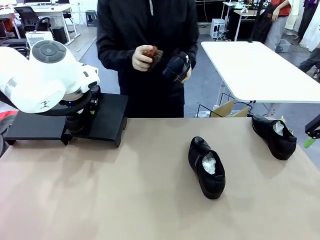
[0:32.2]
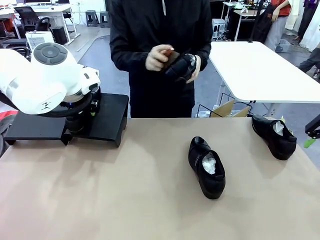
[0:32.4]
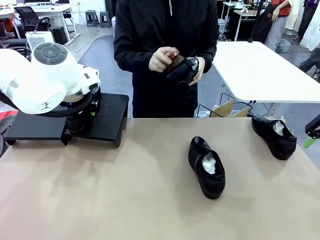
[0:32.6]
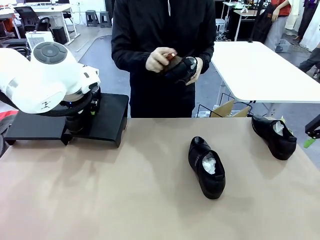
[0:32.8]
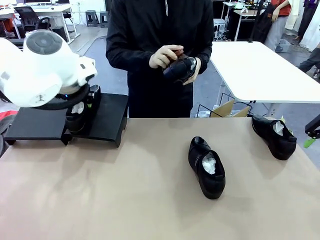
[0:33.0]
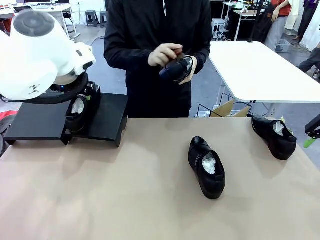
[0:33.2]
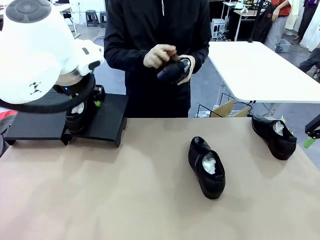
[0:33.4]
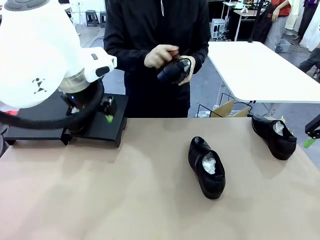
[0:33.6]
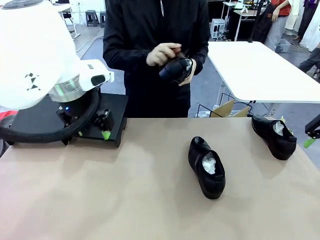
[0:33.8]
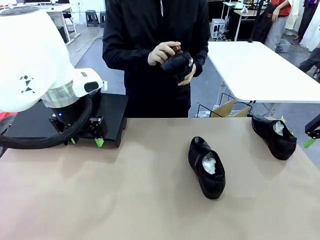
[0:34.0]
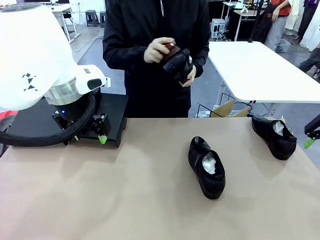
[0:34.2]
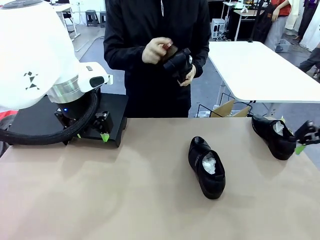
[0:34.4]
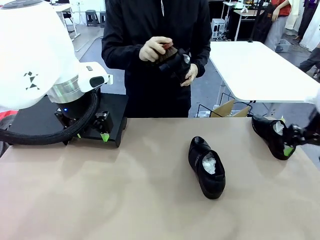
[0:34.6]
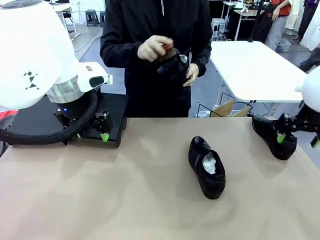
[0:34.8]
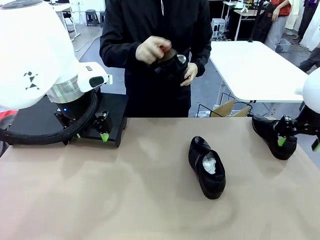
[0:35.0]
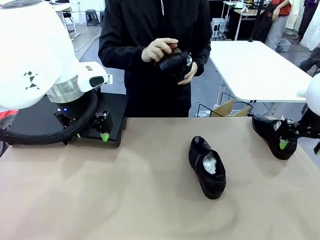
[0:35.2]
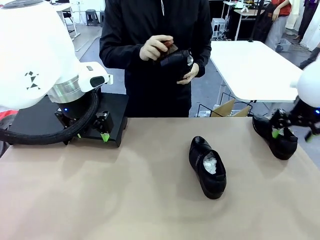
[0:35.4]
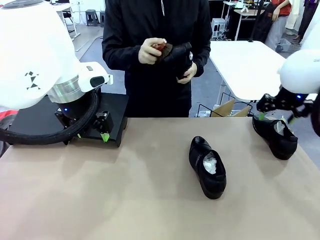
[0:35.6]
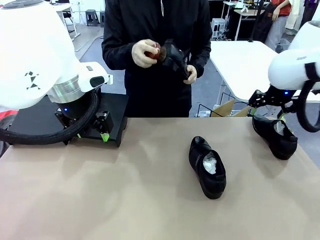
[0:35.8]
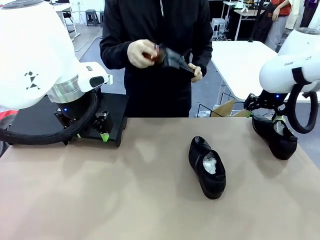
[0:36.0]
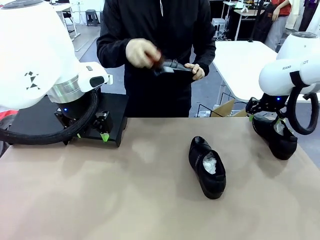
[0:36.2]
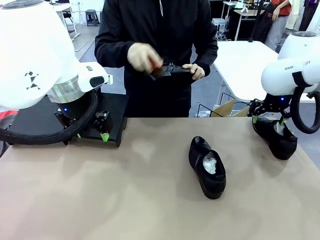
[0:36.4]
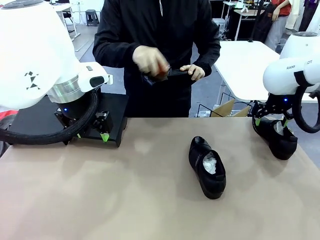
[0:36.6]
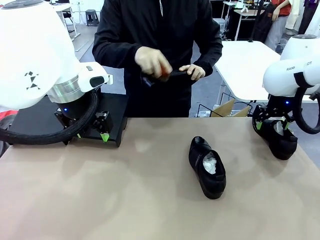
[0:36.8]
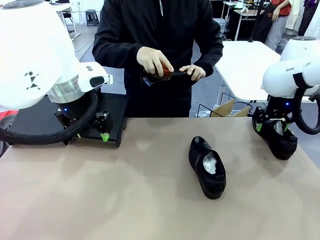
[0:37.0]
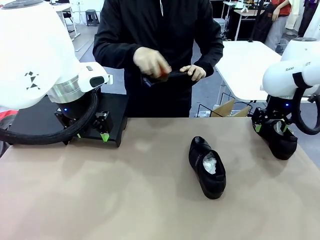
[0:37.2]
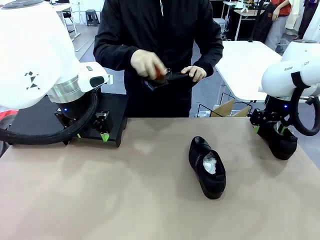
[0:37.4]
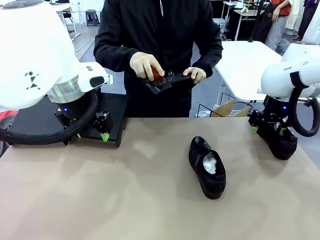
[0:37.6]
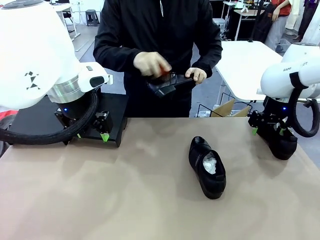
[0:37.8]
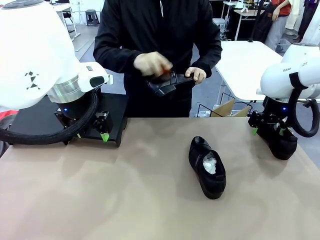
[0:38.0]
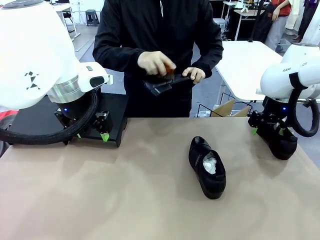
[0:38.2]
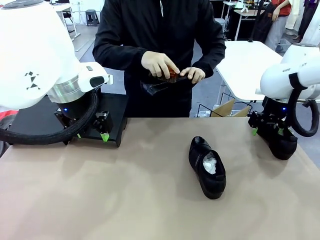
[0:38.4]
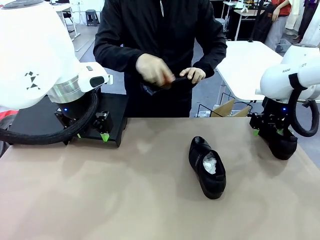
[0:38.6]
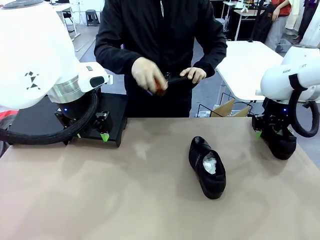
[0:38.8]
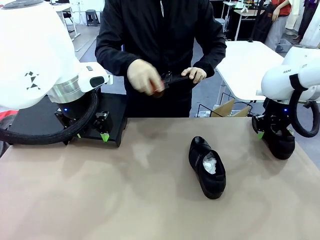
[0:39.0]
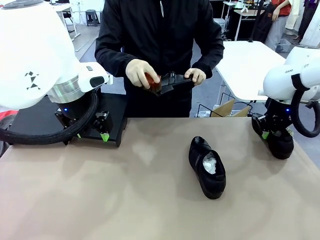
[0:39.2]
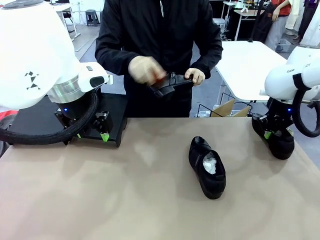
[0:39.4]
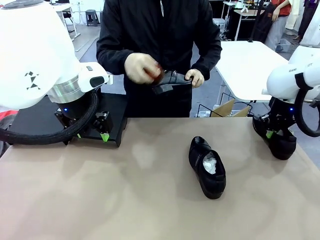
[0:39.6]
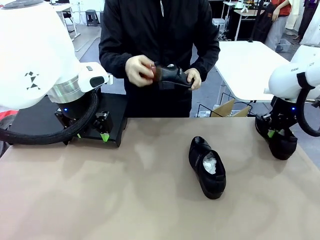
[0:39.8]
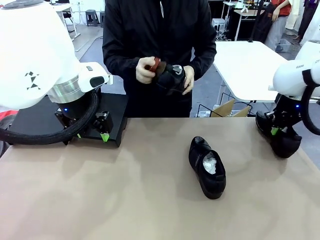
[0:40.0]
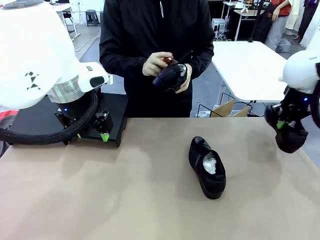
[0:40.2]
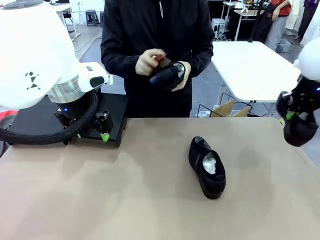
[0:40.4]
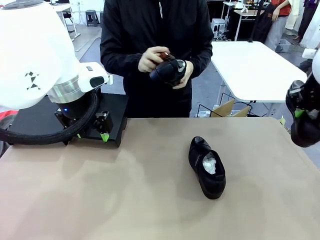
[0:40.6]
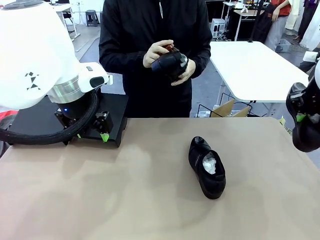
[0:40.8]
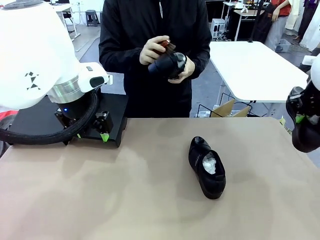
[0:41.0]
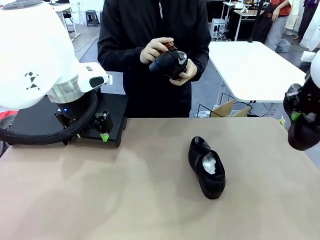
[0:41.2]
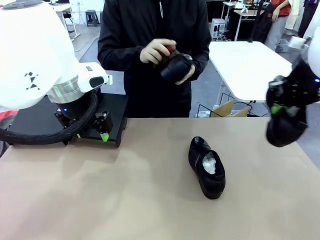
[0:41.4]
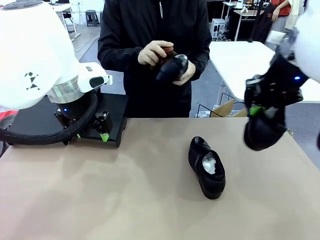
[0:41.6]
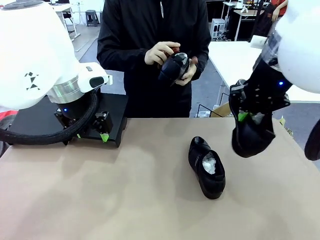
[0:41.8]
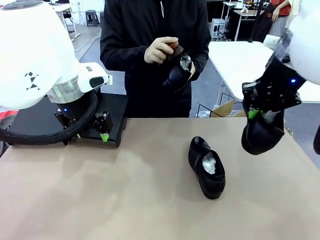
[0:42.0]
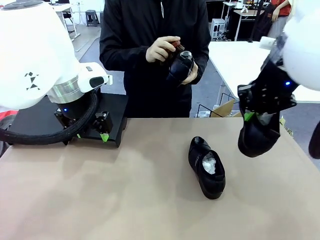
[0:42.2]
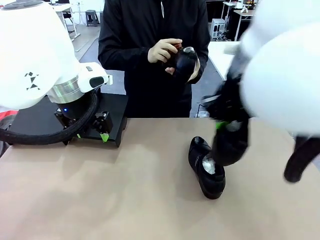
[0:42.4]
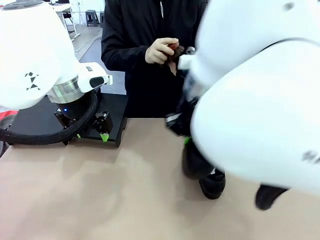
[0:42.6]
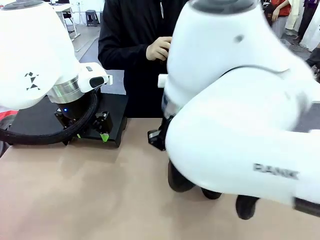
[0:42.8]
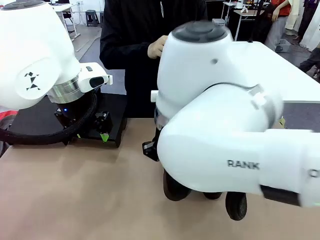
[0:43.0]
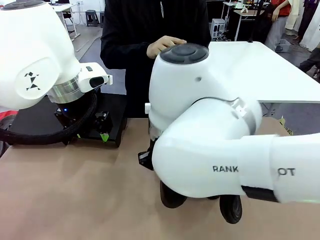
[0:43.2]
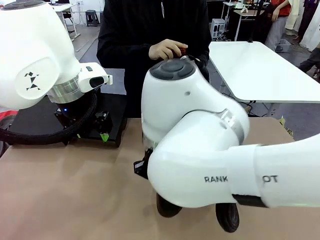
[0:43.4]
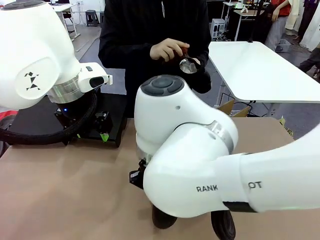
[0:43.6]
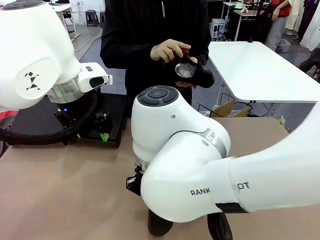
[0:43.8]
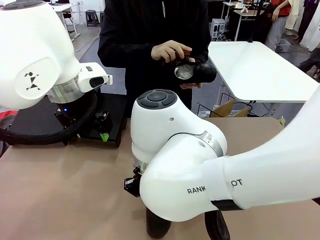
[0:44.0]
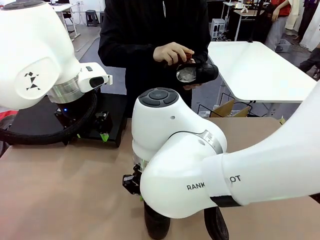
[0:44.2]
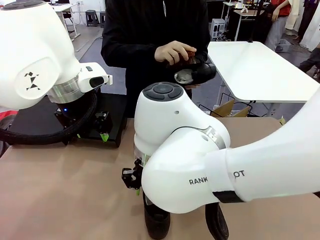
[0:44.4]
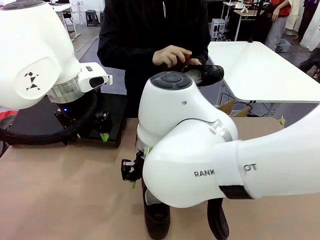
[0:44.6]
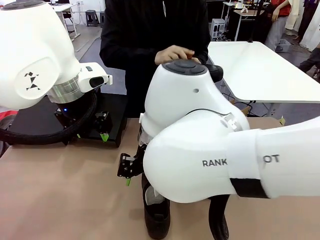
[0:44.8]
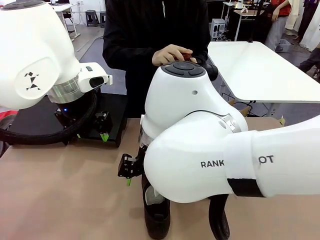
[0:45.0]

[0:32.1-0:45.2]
Task: Organize the shoes by placing them on the stand.
Robot: Pick up one Shoe and place it in the middle of the table.
Person: Clean the Shoe with the Shoe Brush.

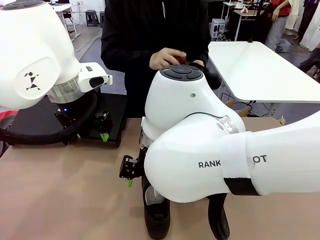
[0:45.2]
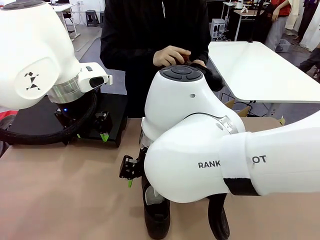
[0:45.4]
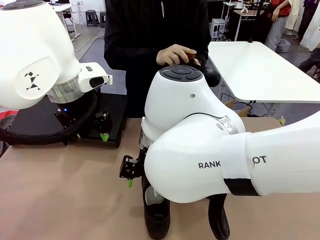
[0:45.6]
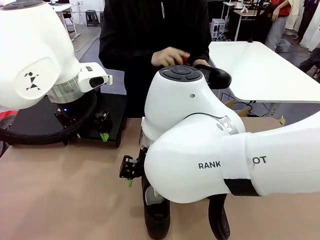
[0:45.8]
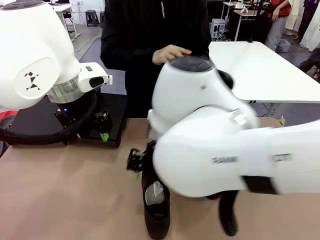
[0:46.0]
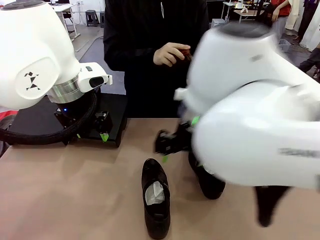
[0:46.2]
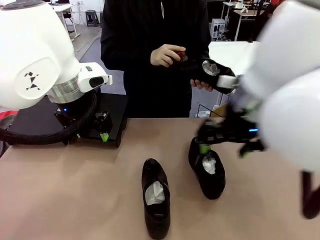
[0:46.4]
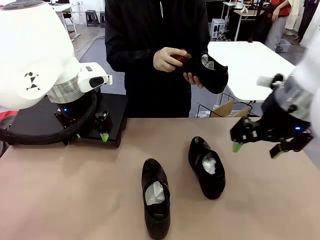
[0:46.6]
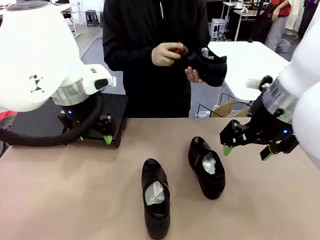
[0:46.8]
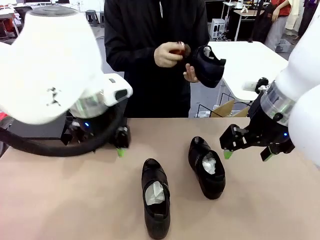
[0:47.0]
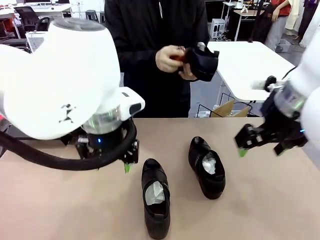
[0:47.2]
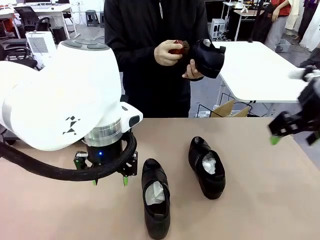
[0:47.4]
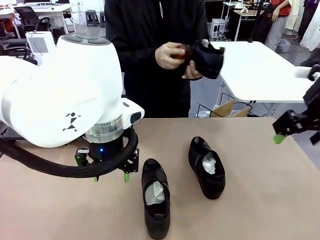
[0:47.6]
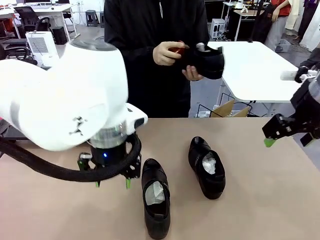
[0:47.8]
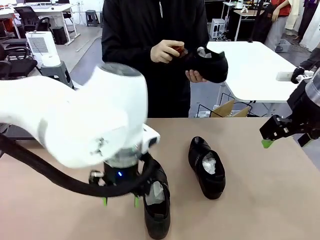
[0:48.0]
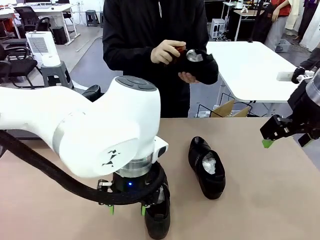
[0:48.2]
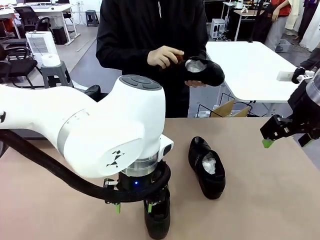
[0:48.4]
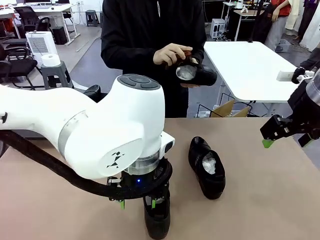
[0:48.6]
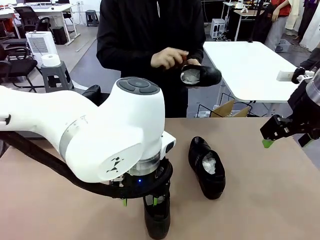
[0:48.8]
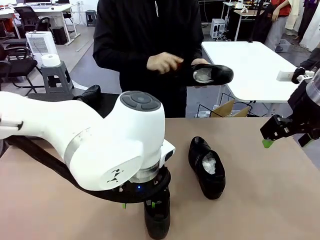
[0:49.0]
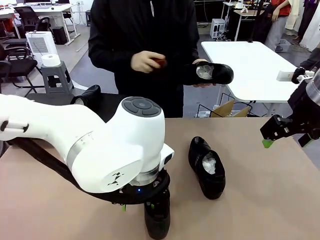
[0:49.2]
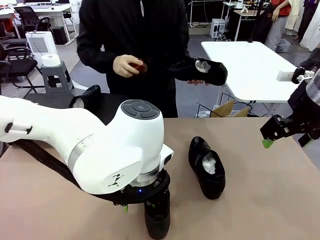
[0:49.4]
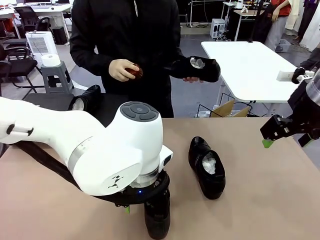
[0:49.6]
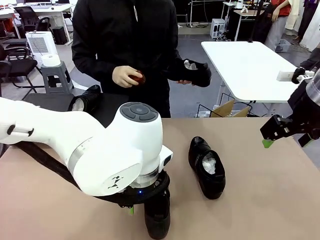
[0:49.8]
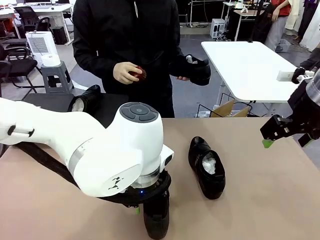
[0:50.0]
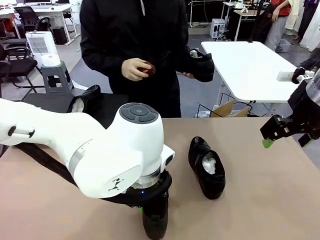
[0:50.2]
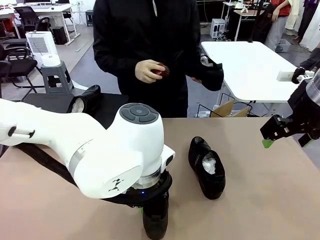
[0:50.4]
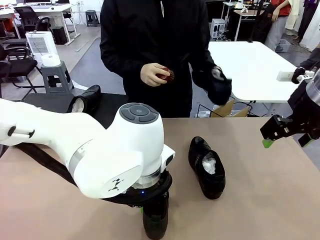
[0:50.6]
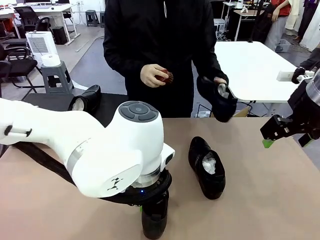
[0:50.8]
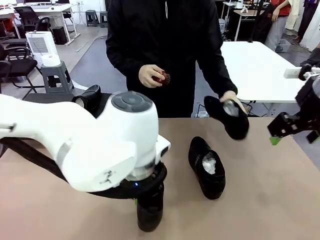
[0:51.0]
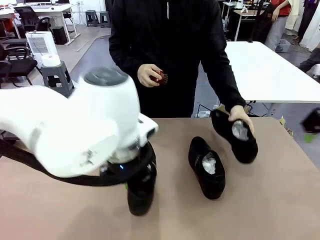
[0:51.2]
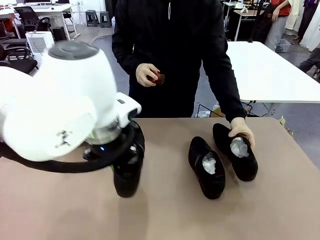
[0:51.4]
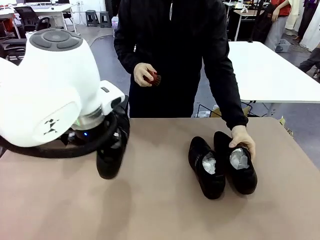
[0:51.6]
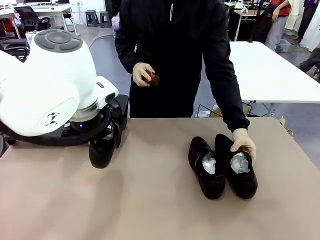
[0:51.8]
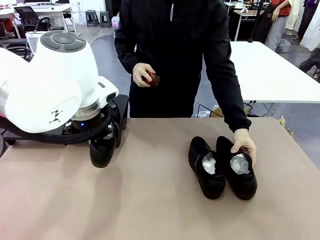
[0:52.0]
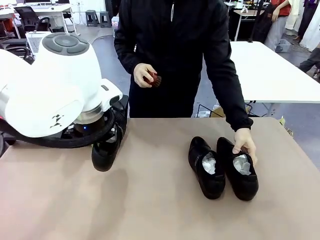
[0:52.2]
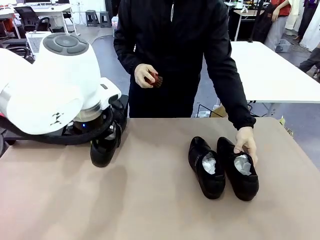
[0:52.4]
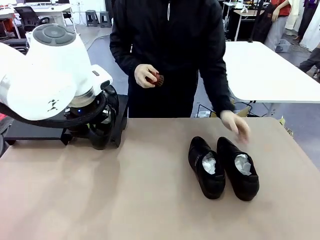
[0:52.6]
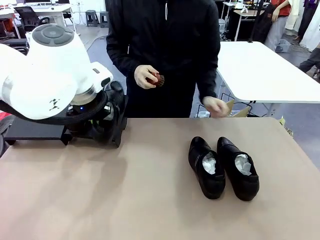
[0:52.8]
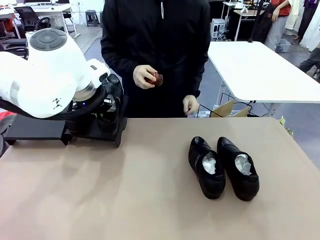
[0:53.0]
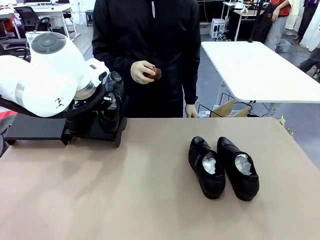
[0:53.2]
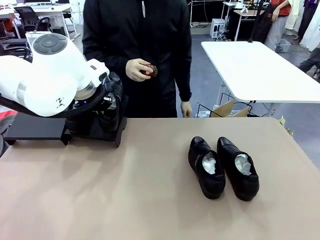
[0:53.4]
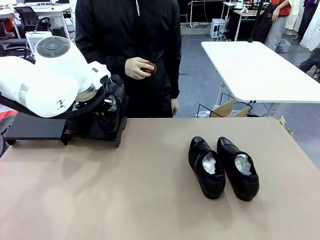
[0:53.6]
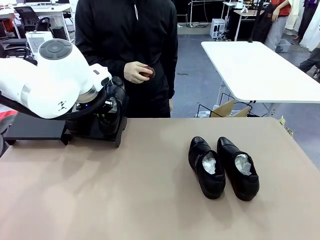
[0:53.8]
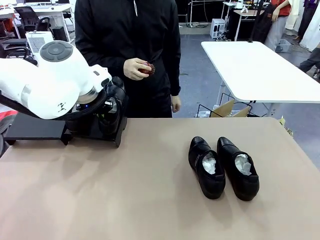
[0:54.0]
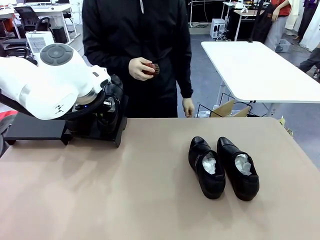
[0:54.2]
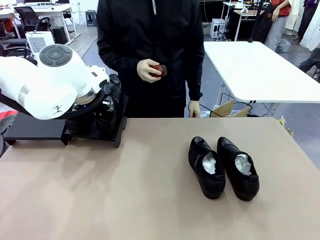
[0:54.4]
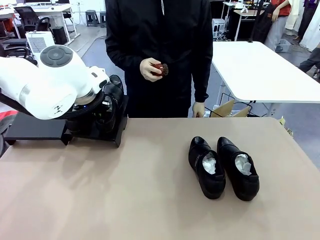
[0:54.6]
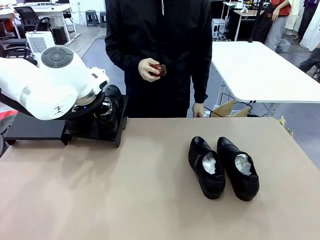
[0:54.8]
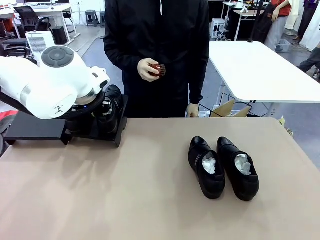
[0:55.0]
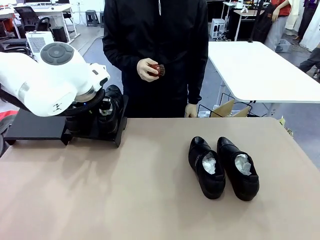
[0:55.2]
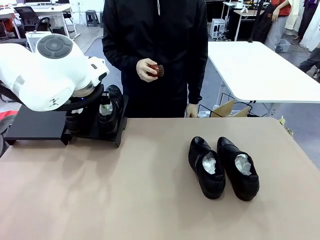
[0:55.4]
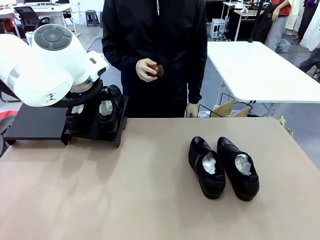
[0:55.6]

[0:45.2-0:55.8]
Robot: Place the Shoe from the middle of the table onto the Shoes Stand.
